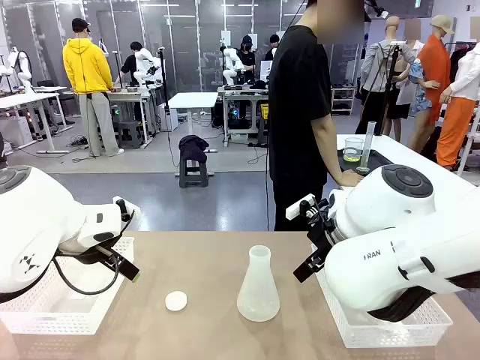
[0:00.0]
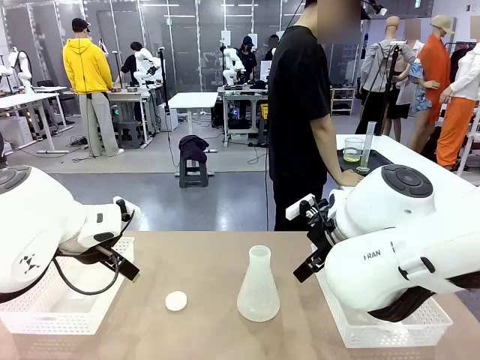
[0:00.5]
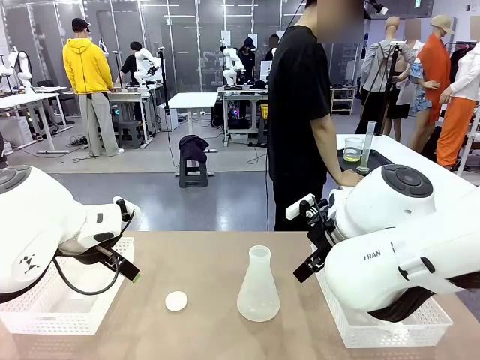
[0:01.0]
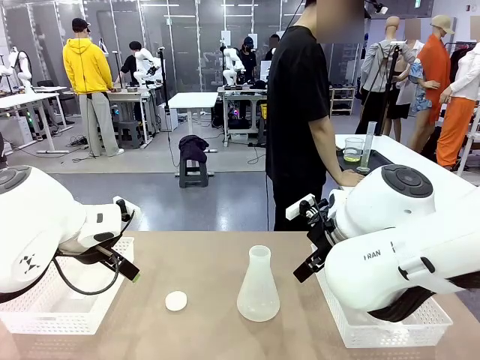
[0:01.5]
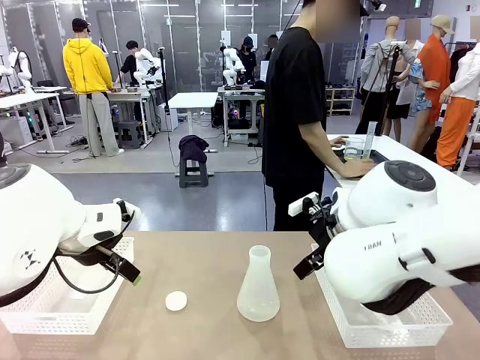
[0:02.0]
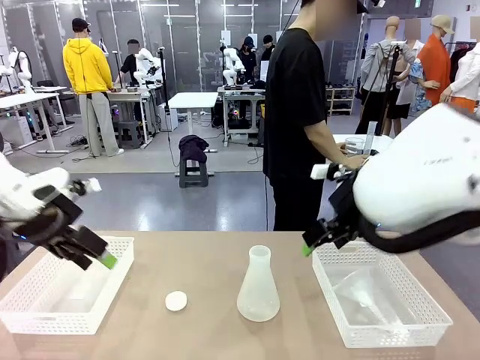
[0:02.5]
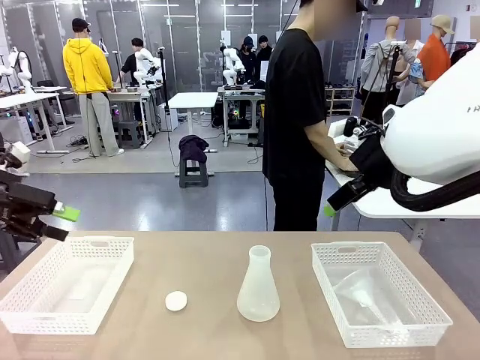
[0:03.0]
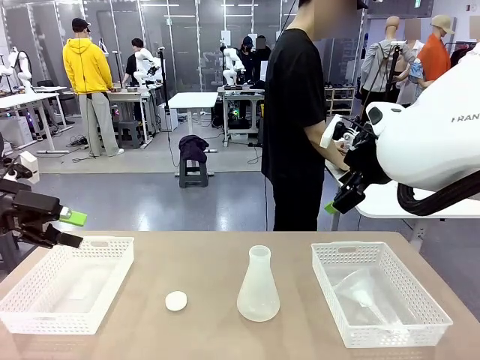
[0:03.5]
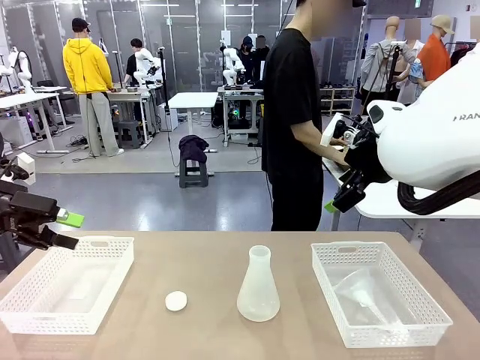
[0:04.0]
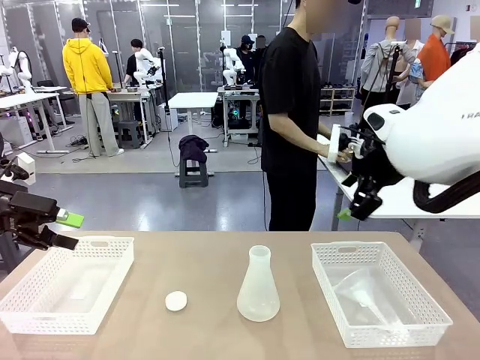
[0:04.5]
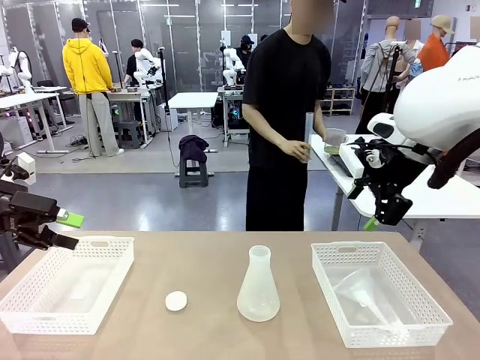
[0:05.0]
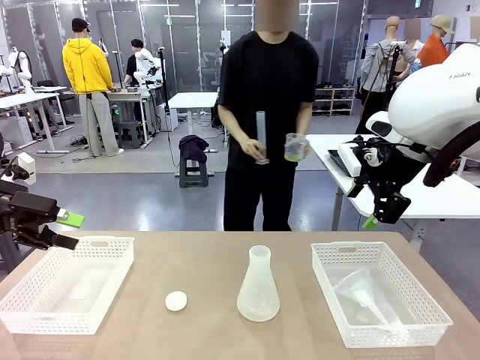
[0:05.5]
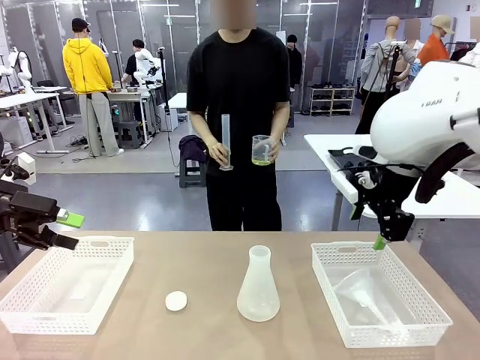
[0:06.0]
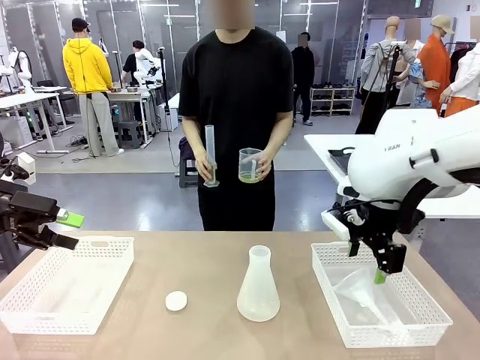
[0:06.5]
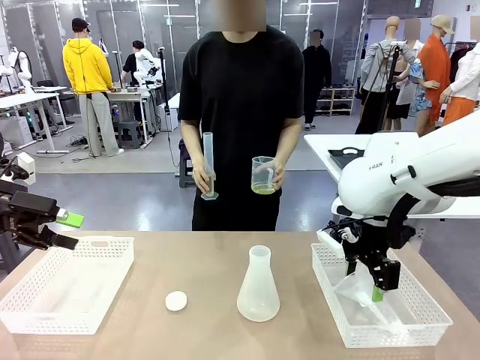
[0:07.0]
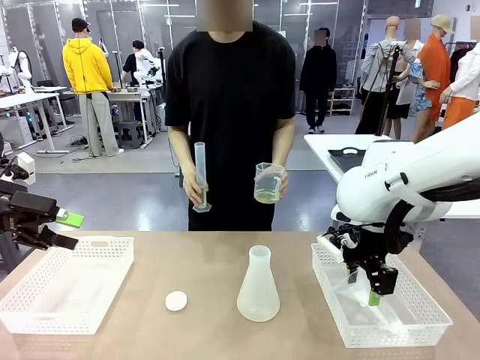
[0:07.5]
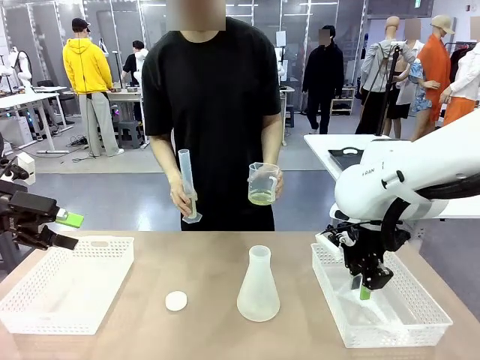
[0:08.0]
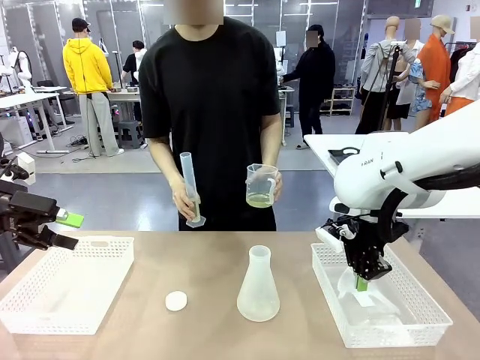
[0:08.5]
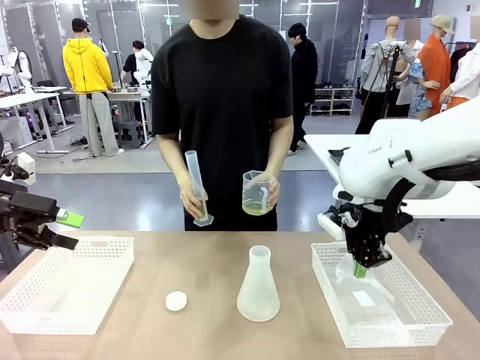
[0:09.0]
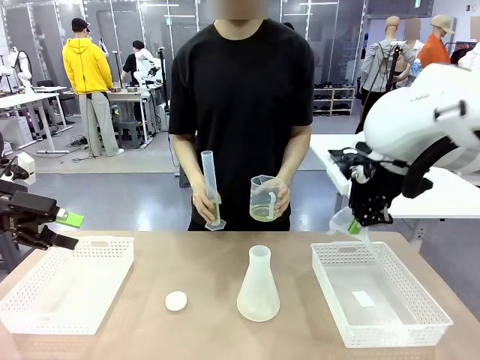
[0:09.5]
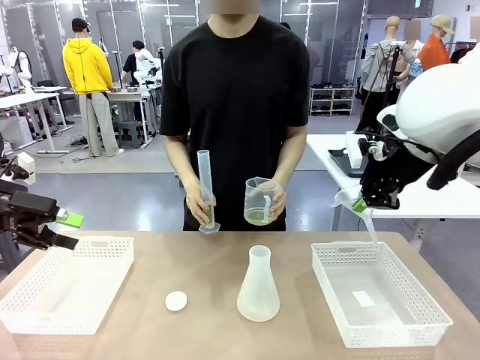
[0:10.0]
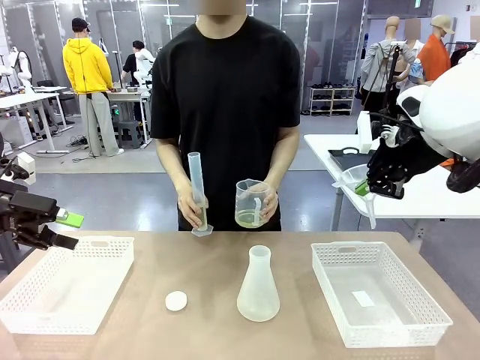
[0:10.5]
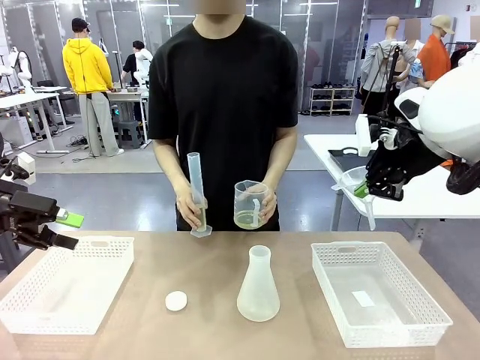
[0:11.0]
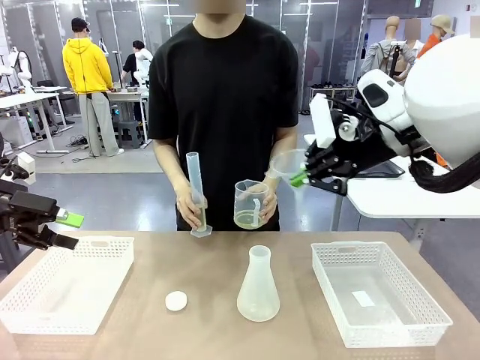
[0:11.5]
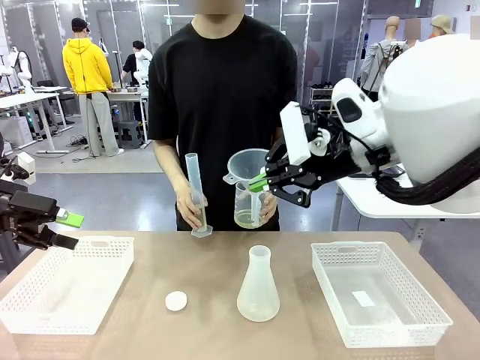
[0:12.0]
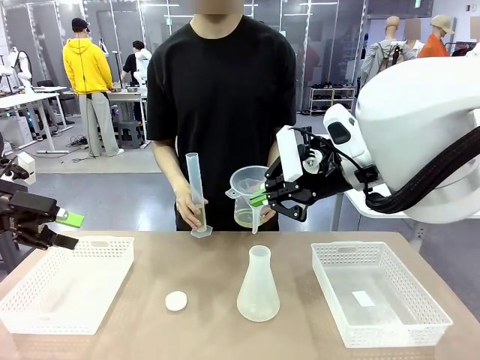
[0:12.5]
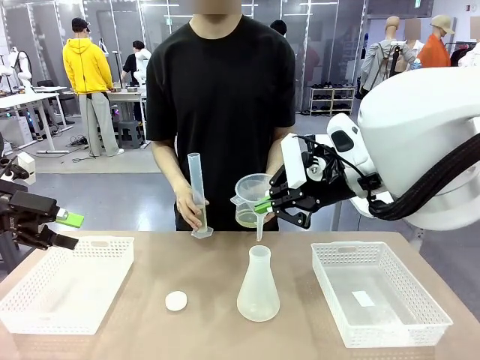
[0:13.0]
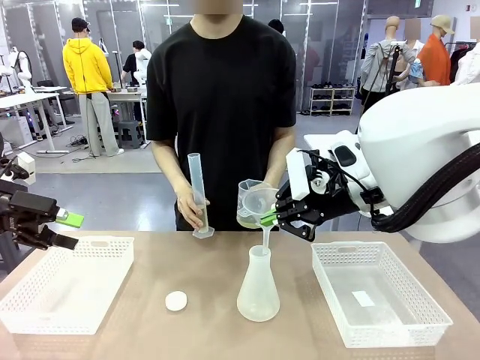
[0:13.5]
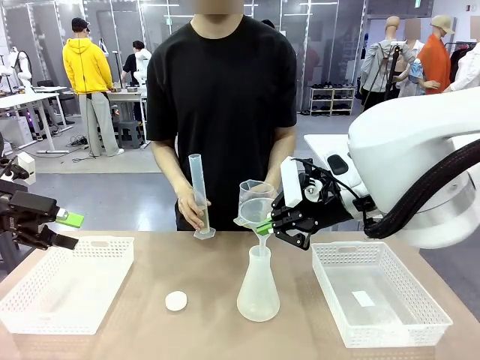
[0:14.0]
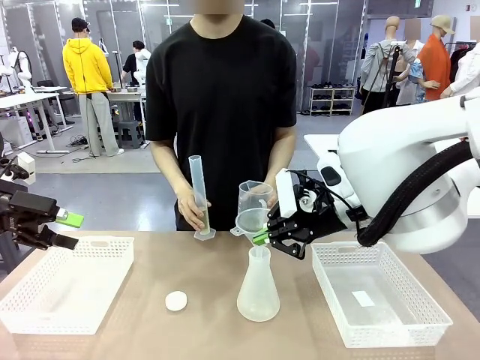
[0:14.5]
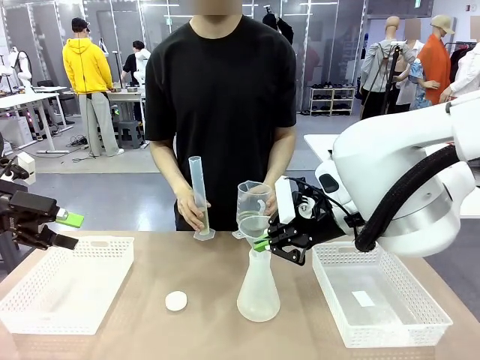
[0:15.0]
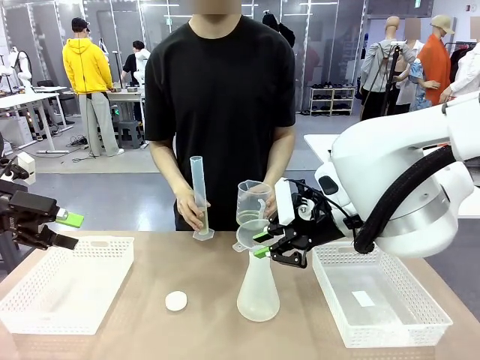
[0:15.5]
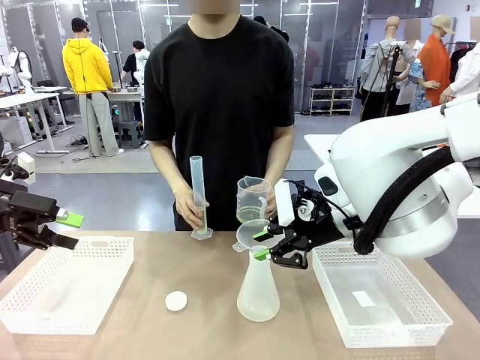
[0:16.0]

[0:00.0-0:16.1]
Task: Prepare the solutions needed for the experiment.
Robot: Pick up the Plastic Funnel and insert it into the Big flask.
Person: Pick up the beaker and the cylinder and move to the middle of the robot table.

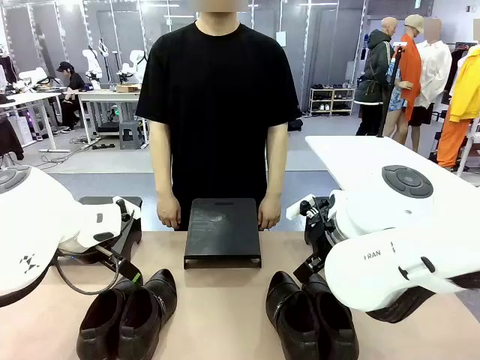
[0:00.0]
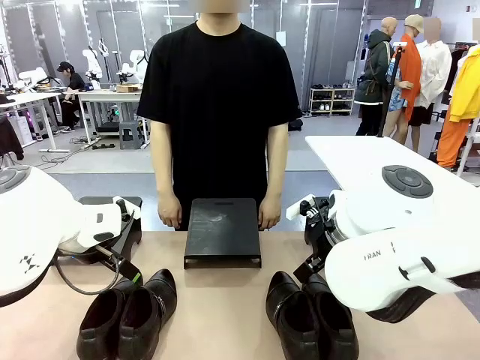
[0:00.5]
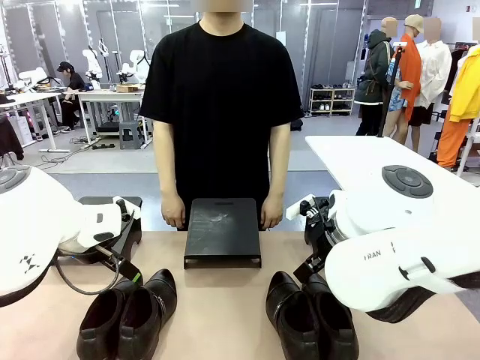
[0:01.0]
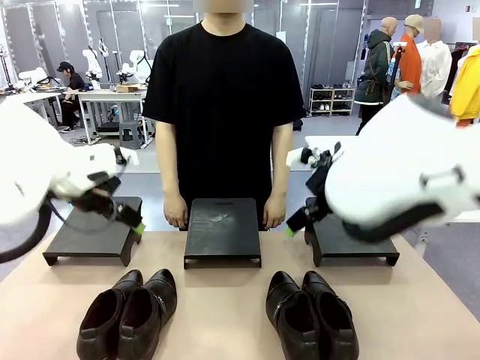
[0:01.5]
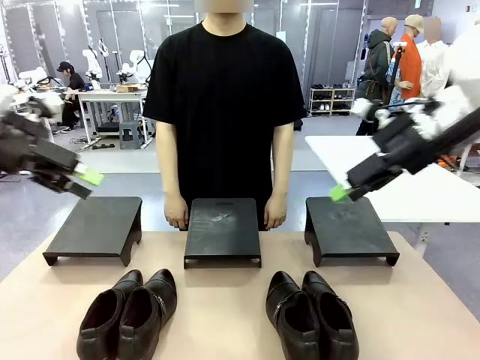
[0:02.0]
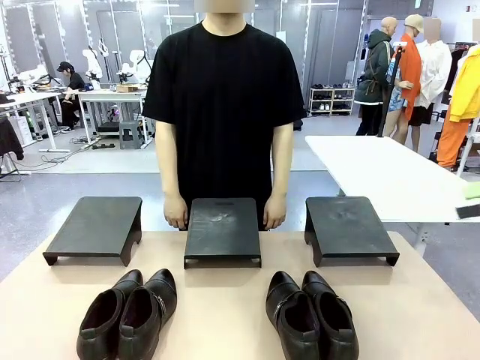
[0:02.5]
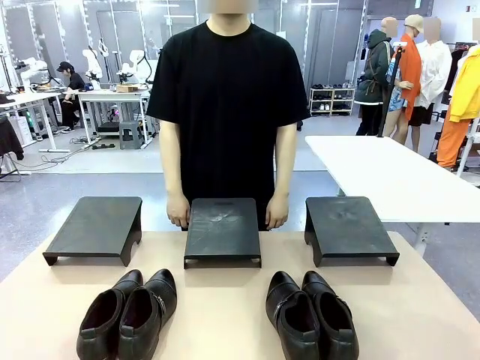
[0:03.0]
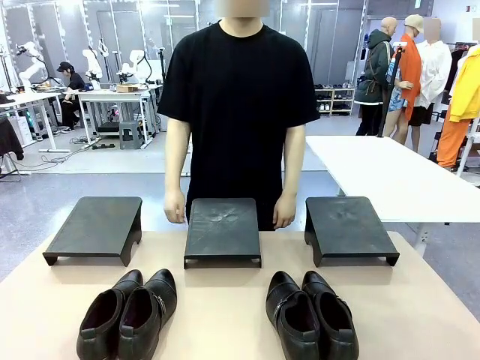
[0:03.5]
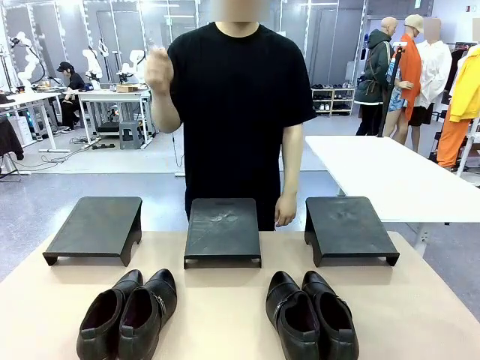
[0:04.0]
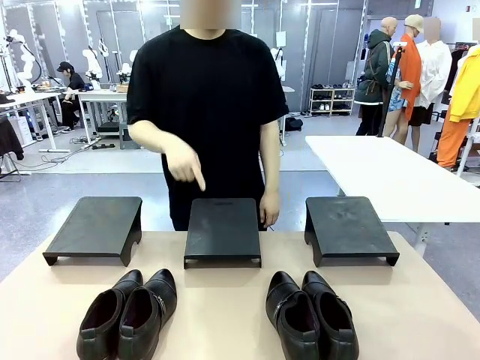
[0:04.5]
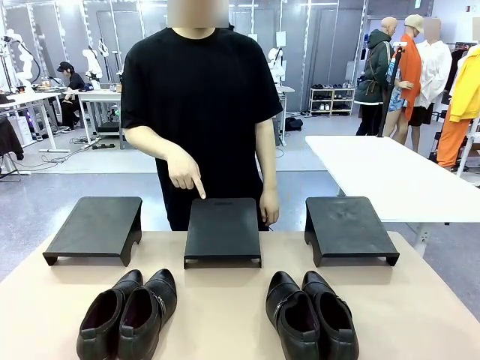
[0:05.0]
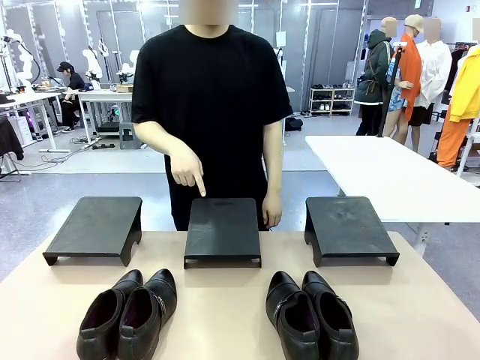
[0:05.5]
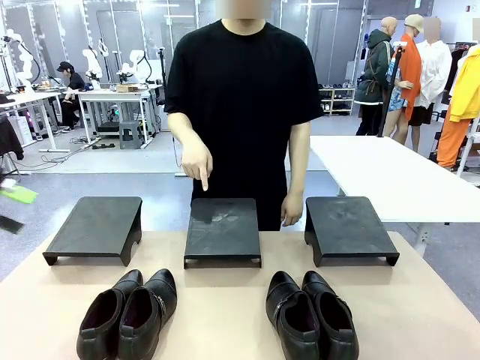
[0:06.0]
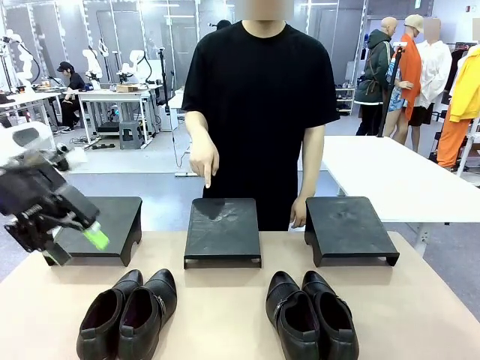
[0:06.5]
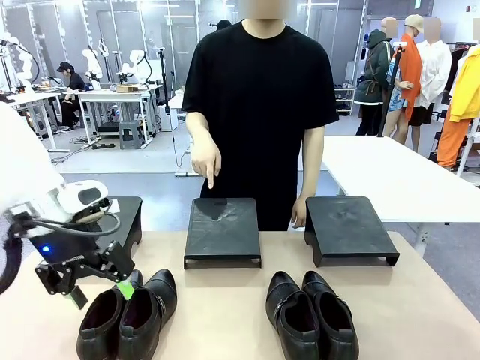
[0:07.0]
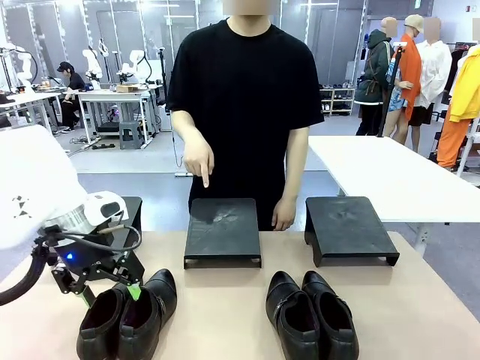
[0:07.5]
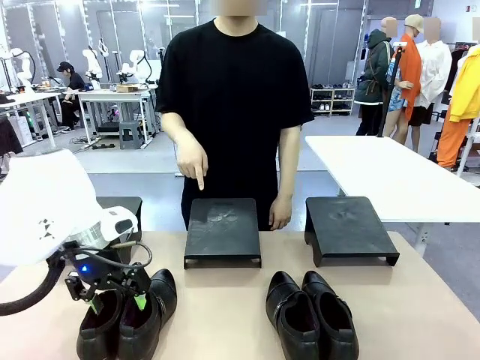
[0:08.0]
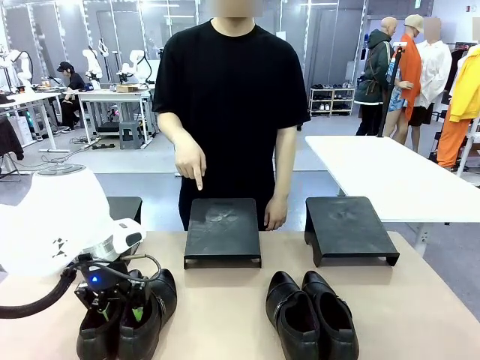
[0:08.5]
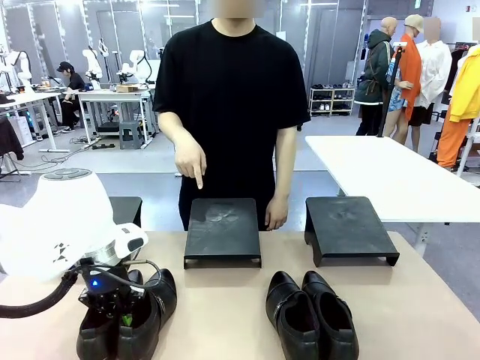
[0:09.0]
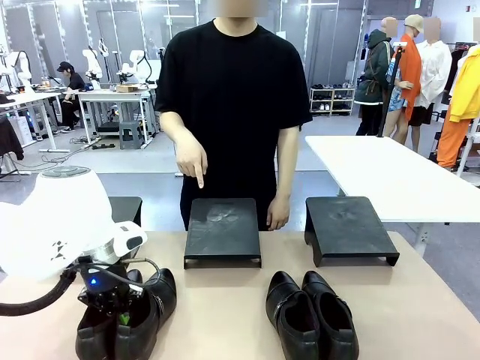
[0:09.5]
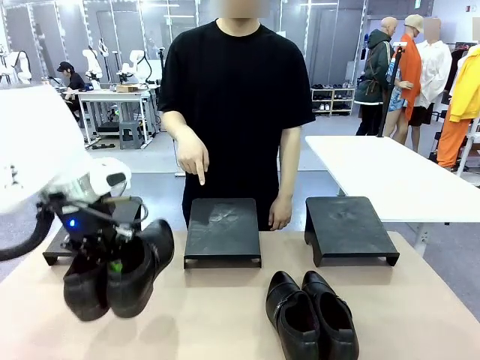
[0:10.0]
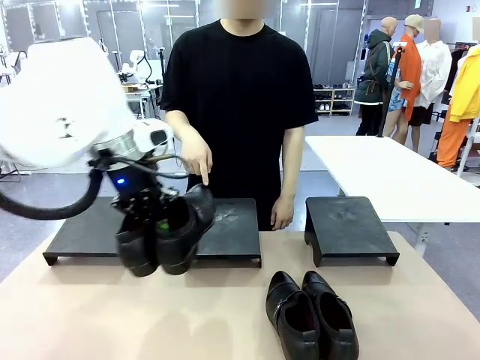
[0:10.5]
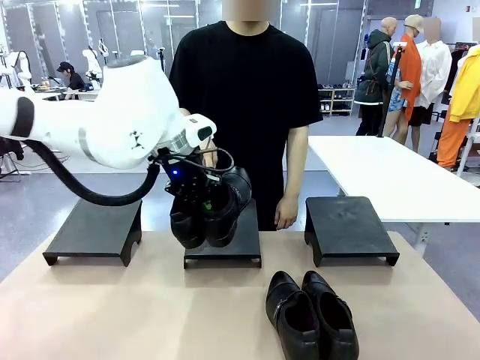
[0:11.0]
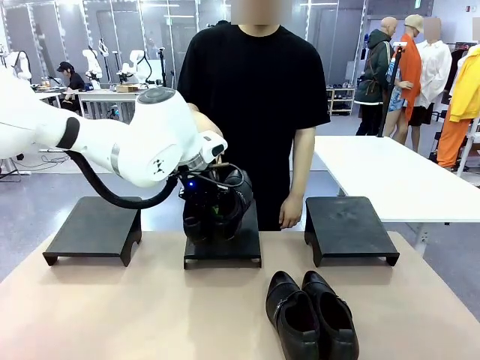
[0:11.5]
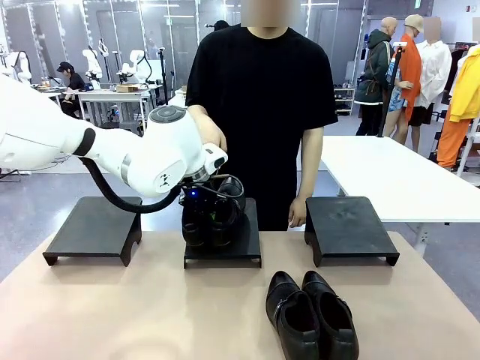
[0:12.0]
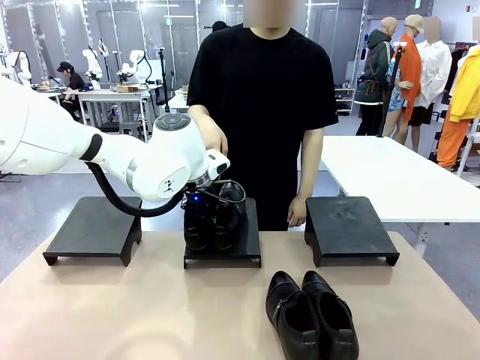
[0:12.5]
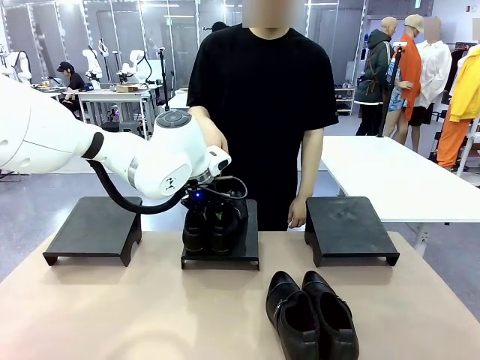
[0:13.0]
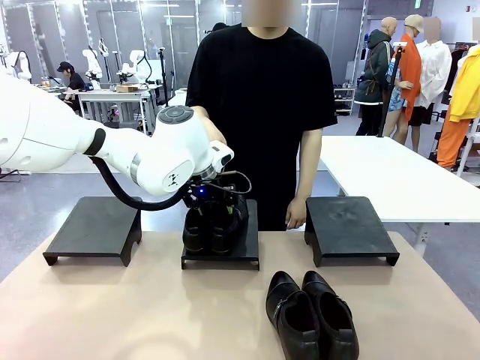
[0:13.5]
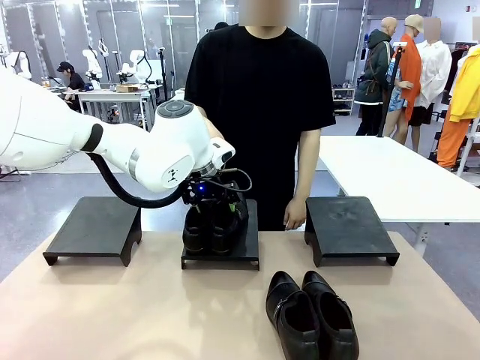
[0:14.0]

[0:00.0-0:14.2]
Task: Place the shoes on the stand as instructed by the person.
Robot: Pick up one pair of Shoes and place it on the Shoes Stand indicated by the person.
